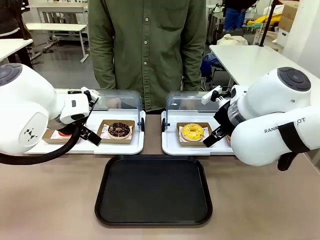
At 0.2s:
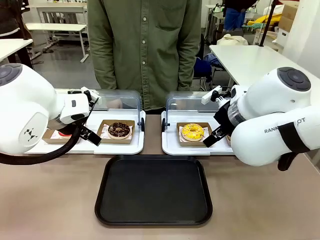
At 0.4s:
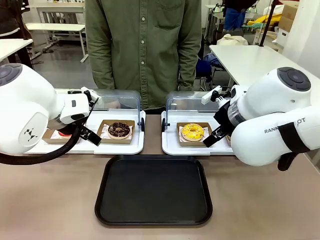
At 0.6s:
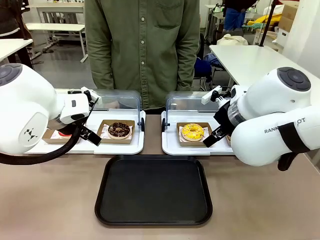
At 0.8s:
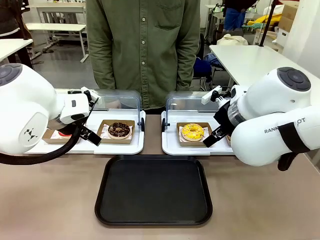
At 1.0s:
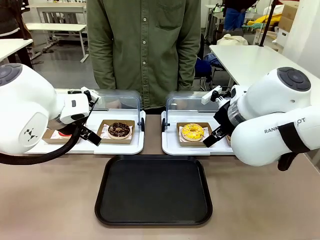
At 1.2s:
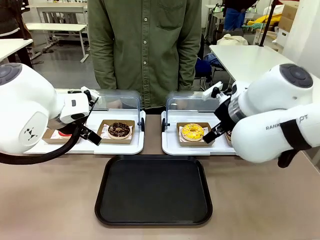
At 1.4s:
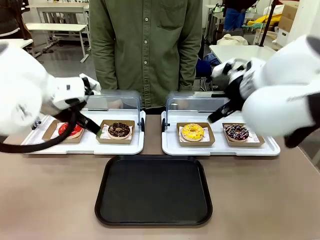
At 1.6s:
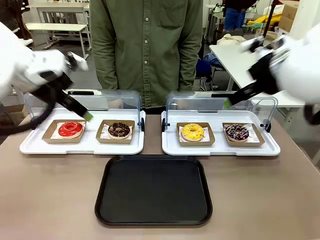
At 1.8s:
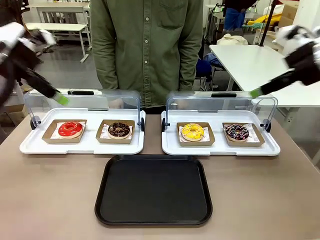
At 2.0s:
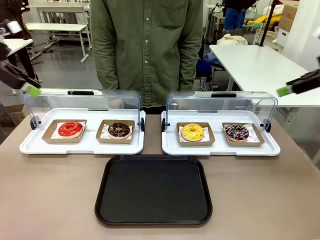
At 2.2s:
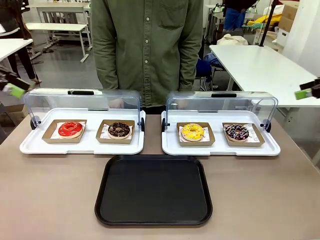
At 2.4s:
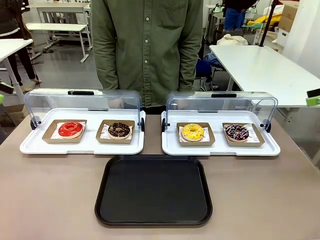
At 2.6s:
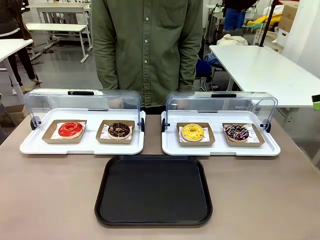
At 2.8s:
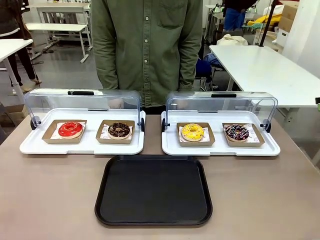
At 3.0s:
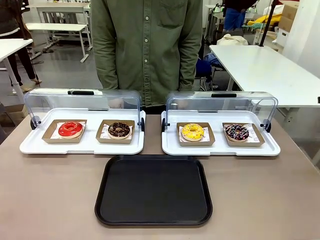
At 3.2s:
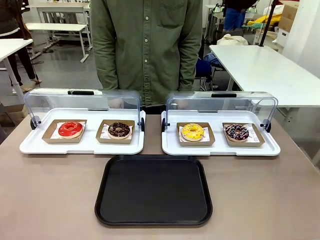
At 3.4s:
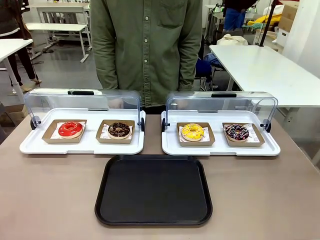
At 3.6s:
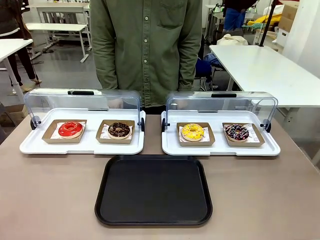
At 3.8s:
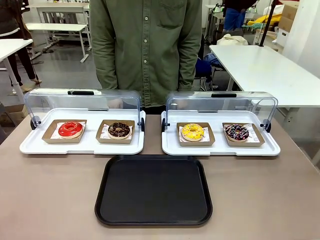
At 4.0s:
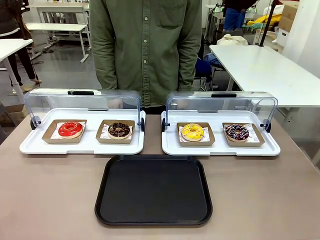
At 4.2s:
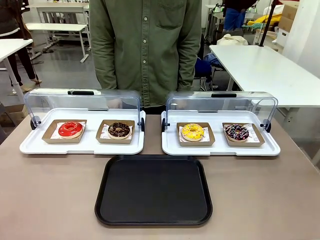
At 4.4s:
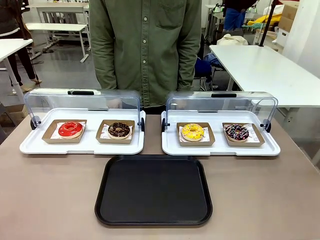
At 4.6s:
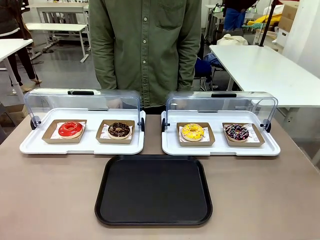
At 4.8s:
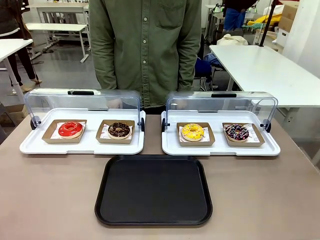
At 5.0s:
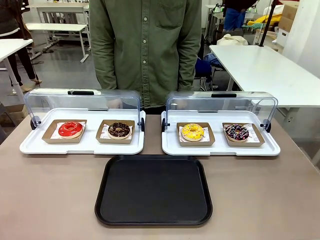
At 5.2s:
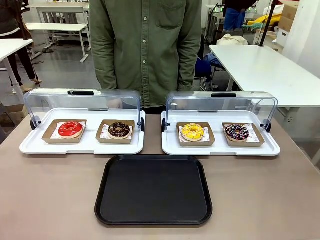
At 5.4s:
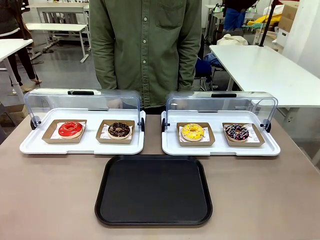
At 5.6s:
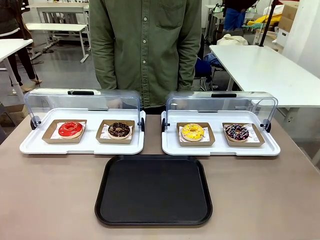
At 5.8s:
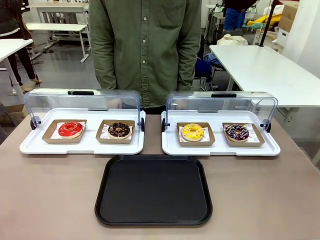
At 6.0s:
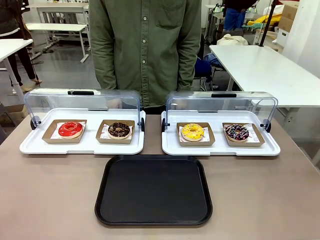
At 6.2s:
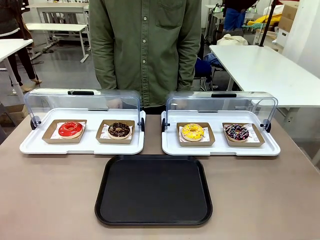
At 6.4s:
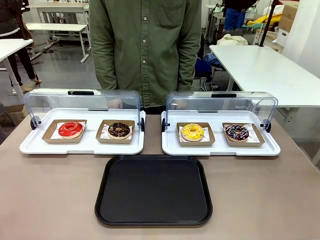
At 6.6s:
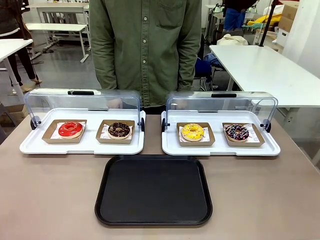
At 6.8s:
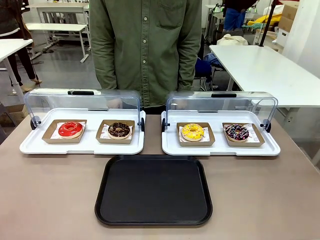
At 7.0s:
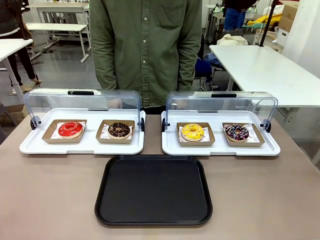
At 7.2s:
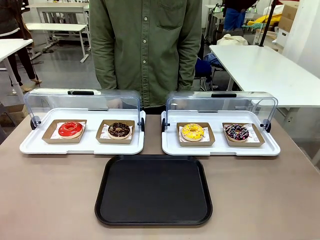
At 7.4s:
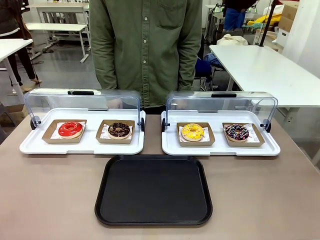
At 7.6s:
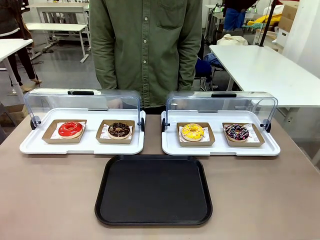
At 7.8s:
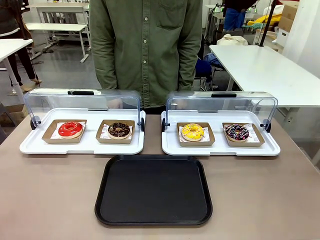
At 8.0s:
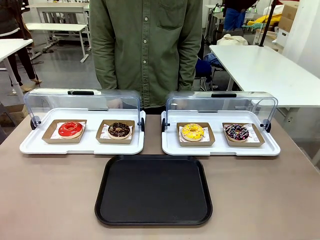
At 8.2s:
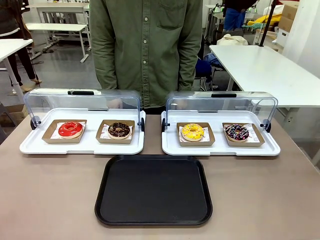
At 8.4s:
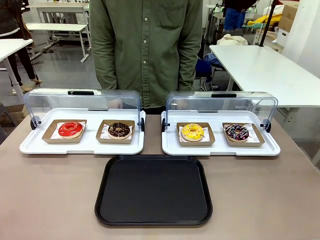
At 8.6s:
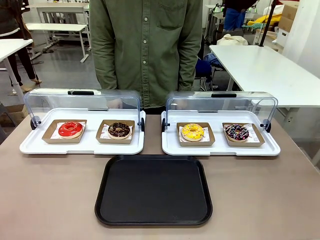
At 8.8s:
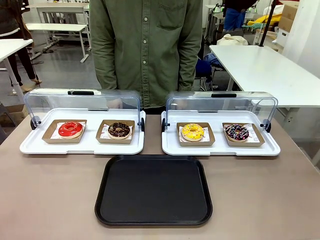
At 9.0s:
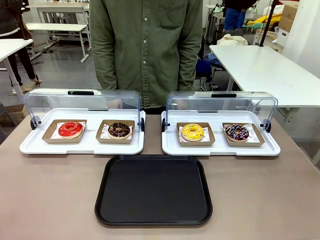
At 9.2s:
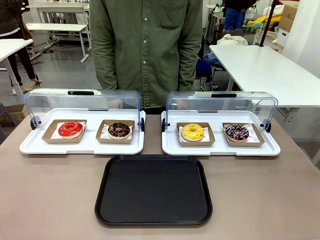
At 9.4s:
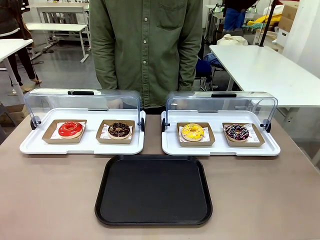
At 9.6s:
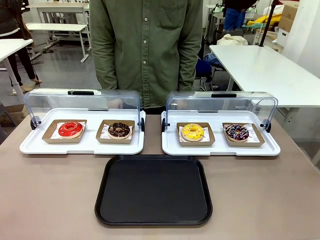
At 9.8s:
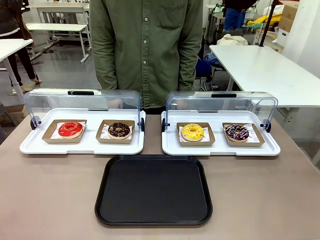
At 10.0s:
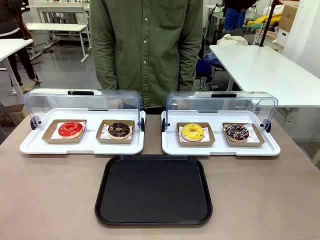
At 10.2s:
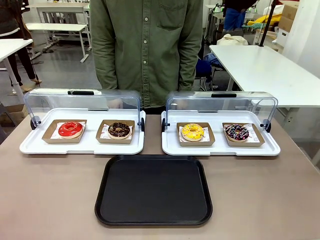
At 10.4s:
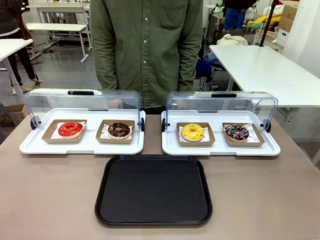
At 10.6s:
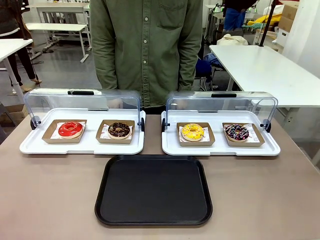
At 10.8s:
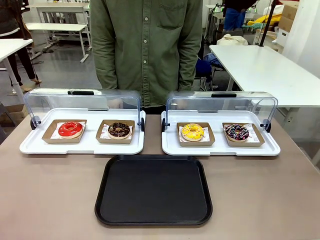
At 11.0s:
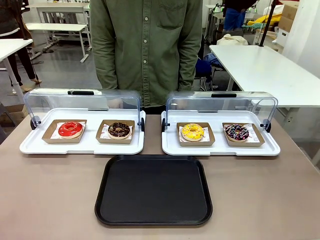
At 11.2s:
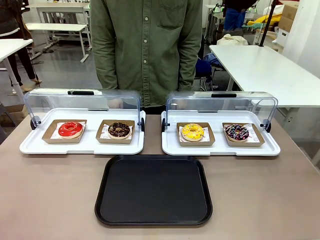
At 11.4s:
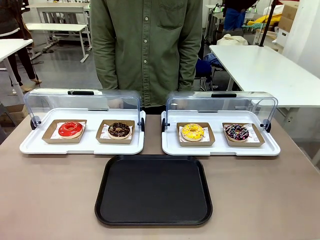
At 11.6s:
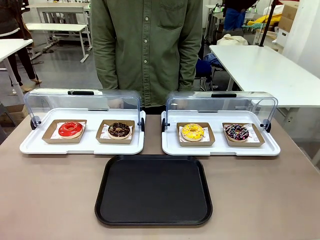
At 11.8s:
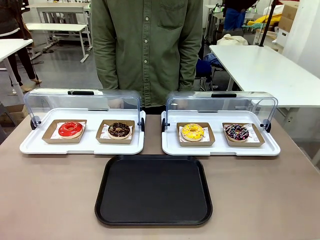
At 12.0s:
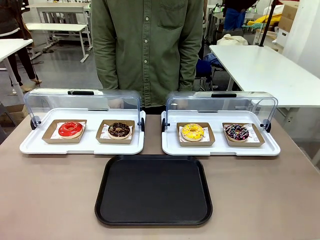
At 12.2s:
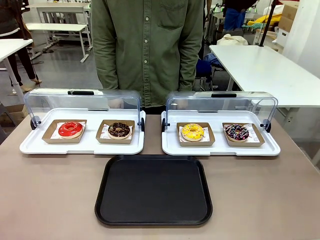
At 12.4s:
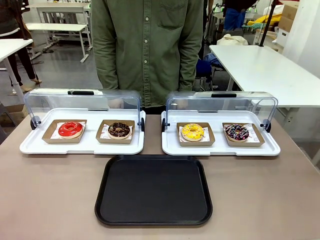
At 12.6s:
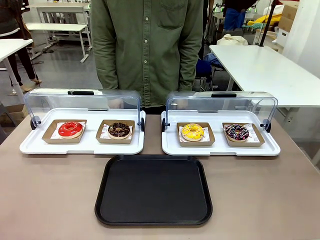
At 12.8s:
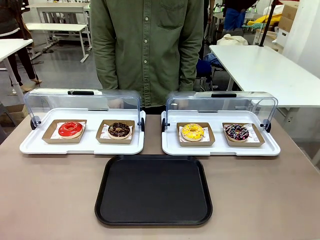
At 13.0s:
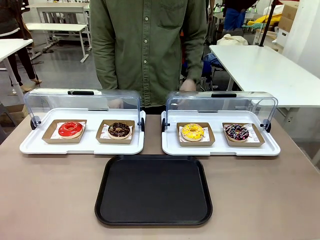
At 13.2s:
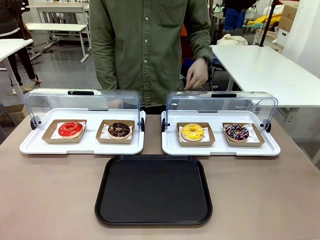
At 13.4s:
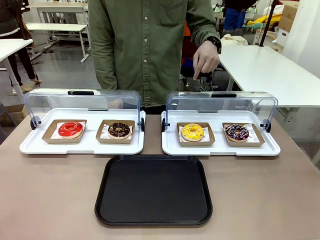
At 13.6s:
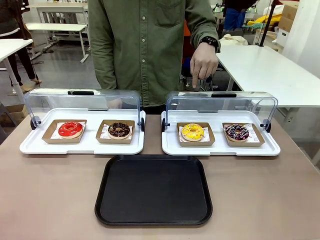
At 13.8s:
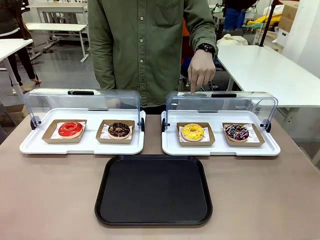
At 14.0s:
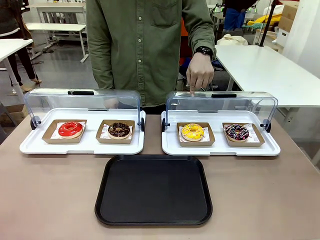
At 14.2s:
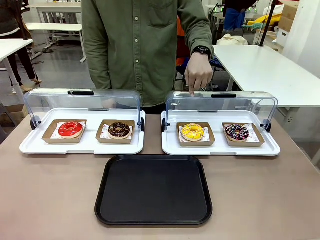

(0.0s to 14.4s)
Task: Move the third donut from the left to the tray.
Robot: Pick up the Paper togo box containing the Donut indicated by the person and place it on the Handle tray.
